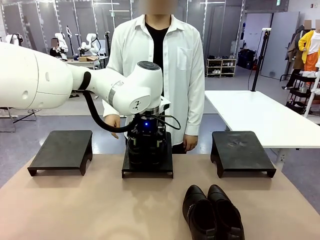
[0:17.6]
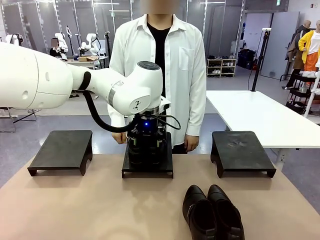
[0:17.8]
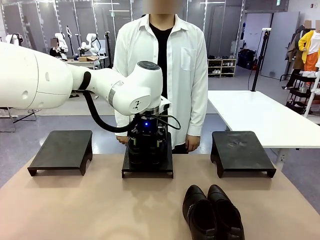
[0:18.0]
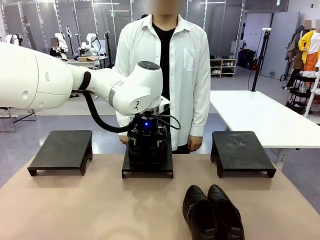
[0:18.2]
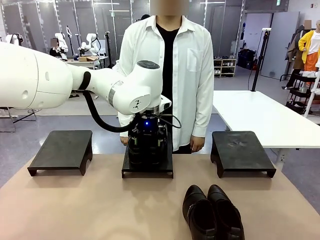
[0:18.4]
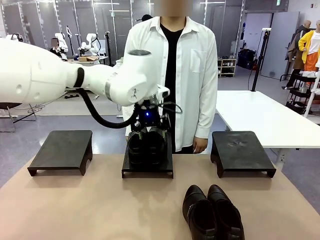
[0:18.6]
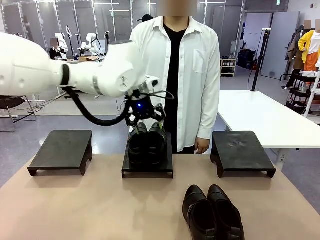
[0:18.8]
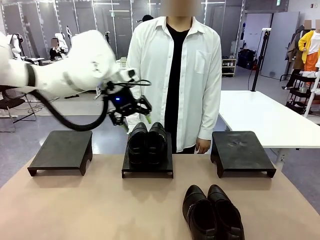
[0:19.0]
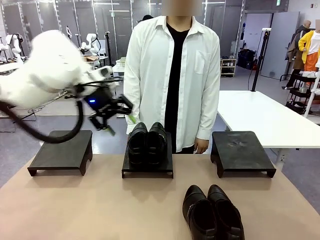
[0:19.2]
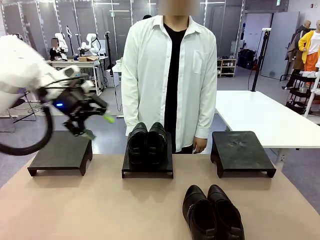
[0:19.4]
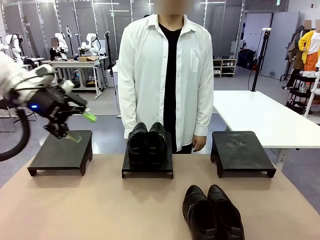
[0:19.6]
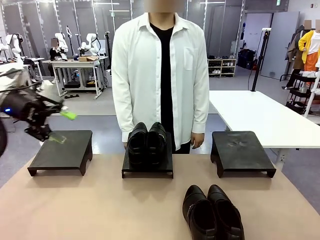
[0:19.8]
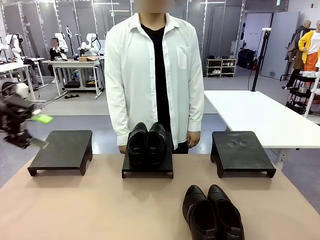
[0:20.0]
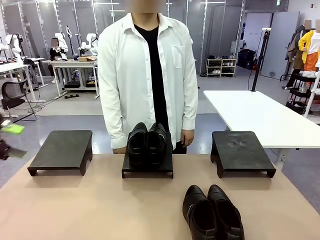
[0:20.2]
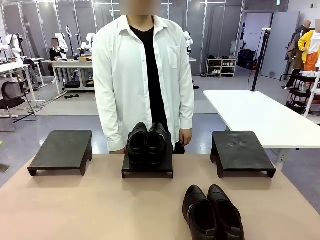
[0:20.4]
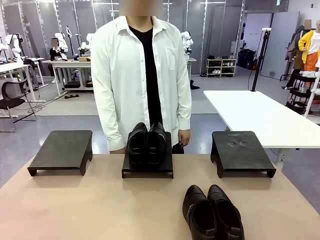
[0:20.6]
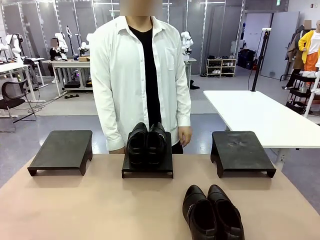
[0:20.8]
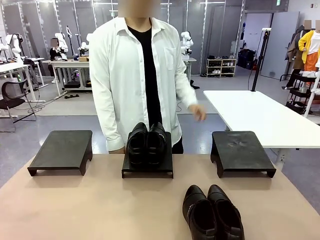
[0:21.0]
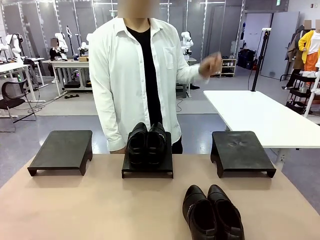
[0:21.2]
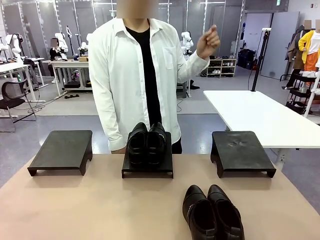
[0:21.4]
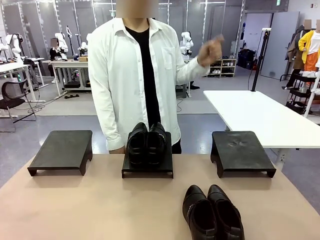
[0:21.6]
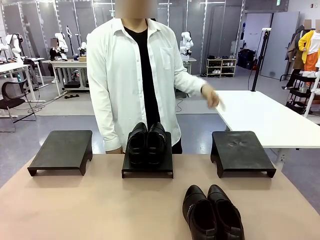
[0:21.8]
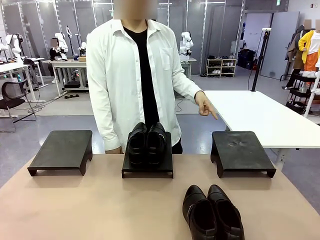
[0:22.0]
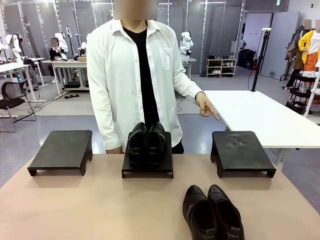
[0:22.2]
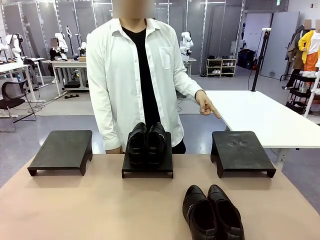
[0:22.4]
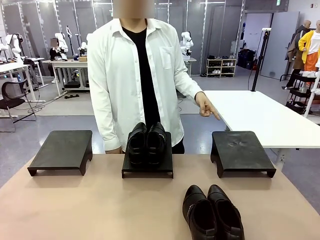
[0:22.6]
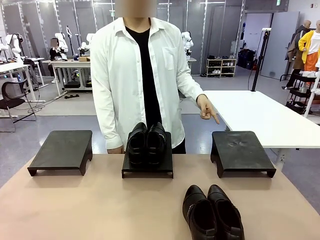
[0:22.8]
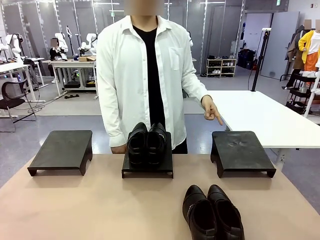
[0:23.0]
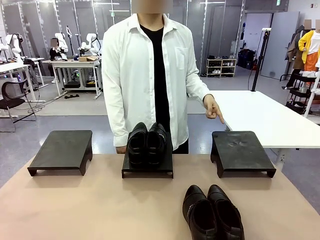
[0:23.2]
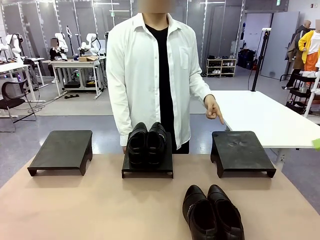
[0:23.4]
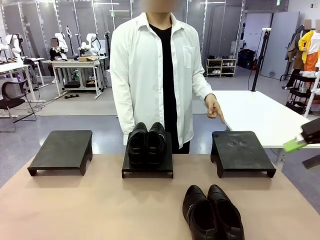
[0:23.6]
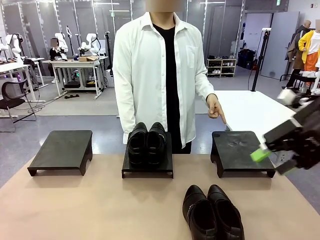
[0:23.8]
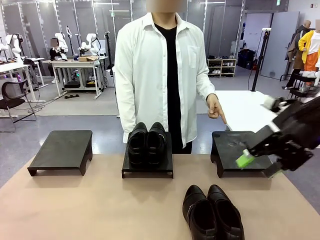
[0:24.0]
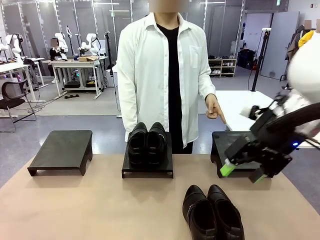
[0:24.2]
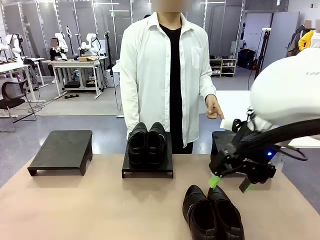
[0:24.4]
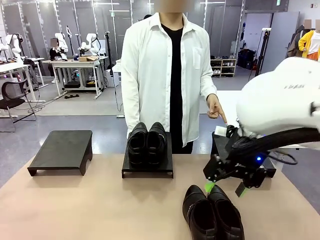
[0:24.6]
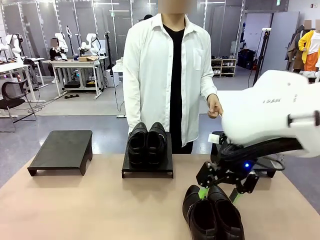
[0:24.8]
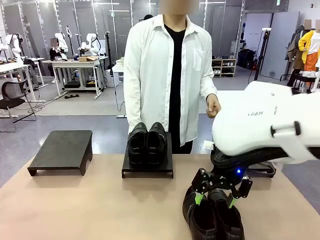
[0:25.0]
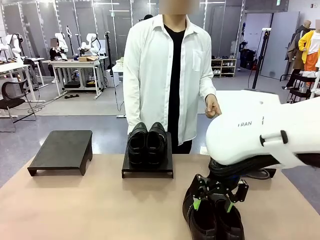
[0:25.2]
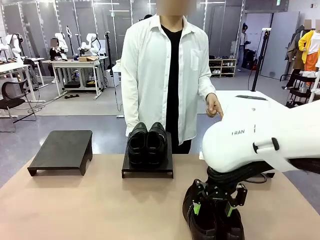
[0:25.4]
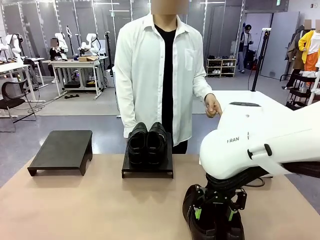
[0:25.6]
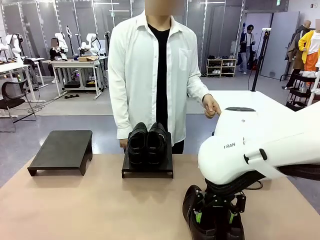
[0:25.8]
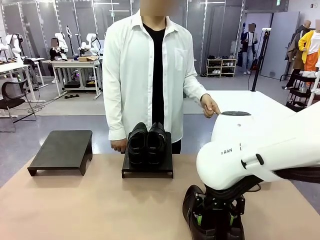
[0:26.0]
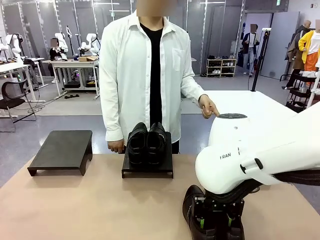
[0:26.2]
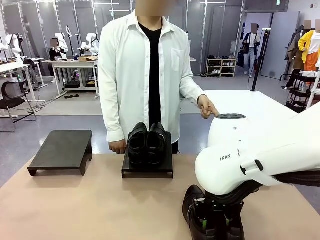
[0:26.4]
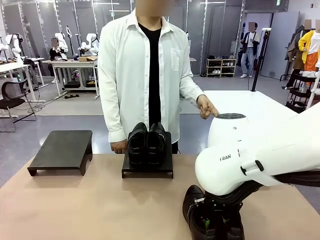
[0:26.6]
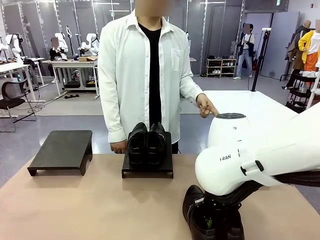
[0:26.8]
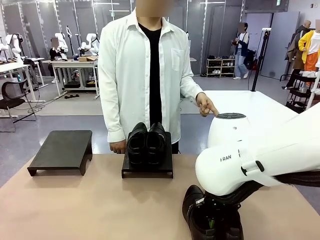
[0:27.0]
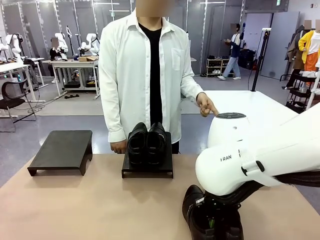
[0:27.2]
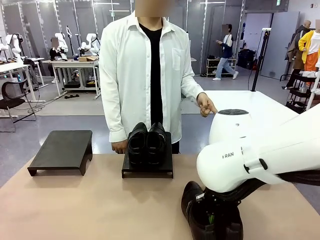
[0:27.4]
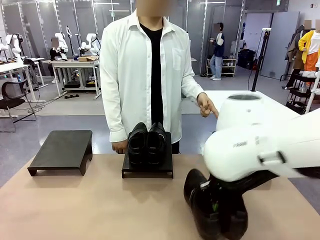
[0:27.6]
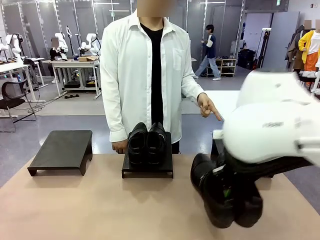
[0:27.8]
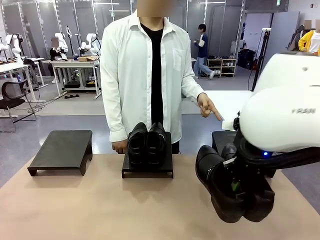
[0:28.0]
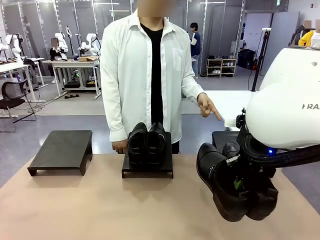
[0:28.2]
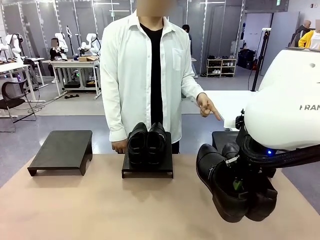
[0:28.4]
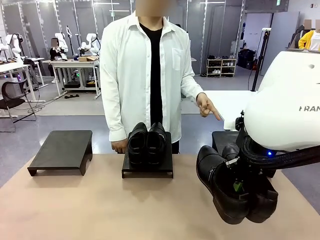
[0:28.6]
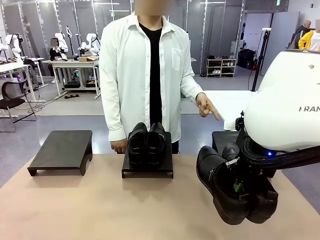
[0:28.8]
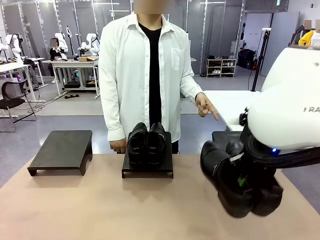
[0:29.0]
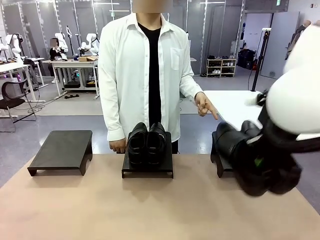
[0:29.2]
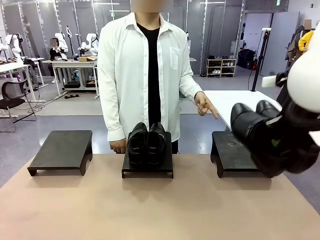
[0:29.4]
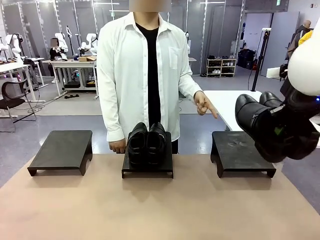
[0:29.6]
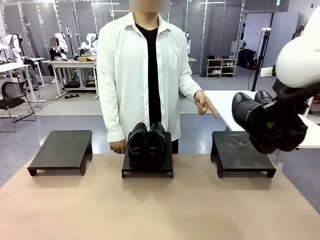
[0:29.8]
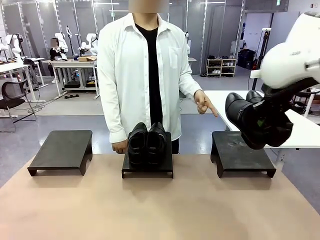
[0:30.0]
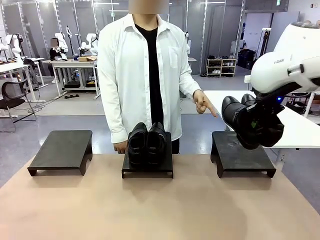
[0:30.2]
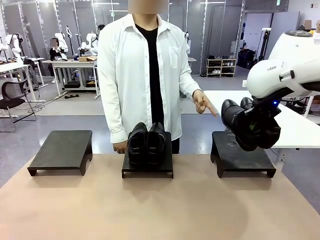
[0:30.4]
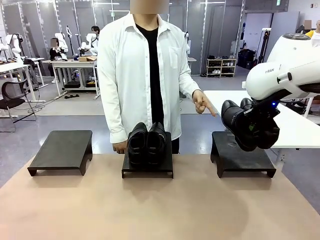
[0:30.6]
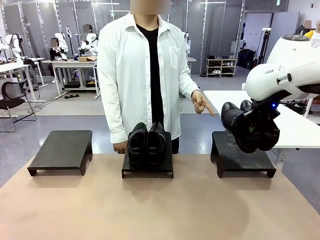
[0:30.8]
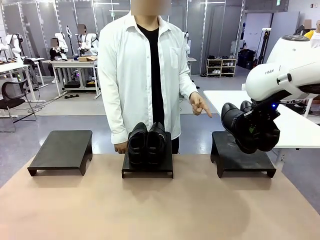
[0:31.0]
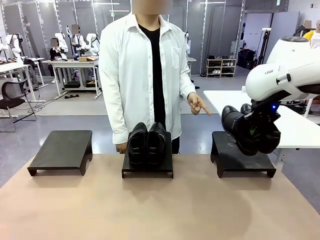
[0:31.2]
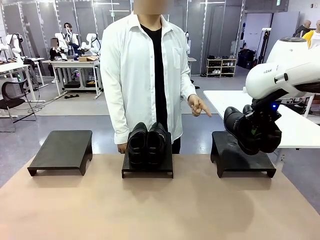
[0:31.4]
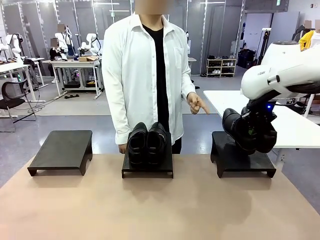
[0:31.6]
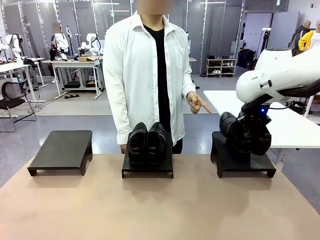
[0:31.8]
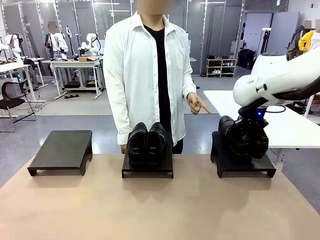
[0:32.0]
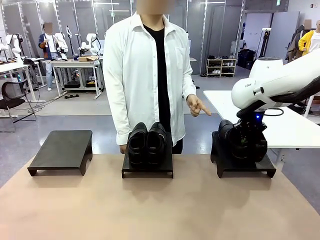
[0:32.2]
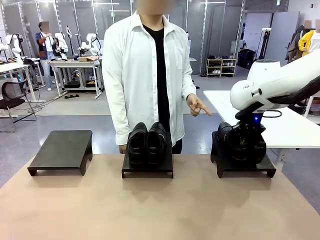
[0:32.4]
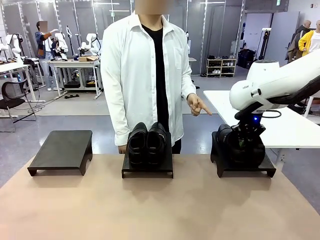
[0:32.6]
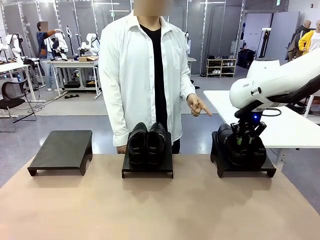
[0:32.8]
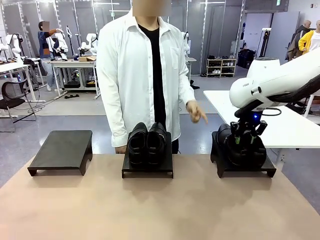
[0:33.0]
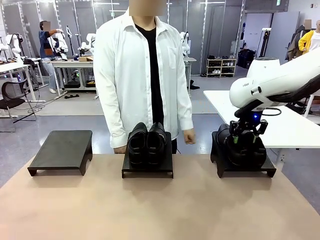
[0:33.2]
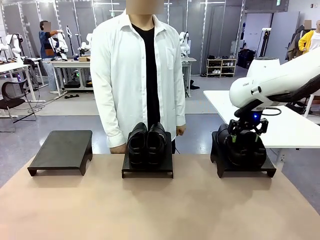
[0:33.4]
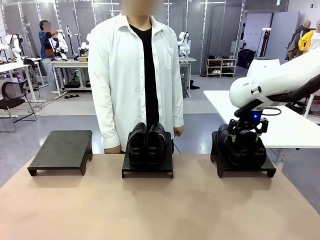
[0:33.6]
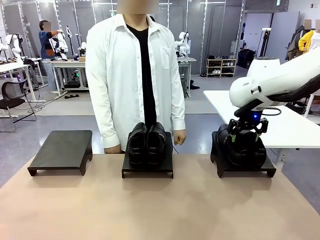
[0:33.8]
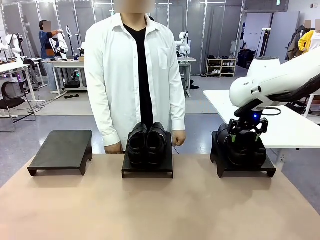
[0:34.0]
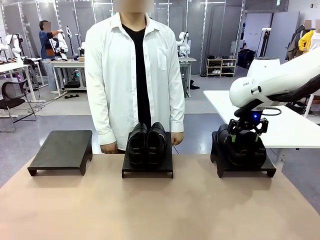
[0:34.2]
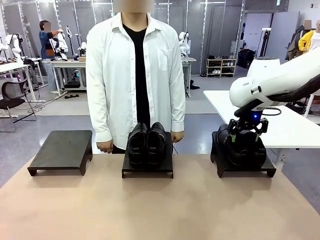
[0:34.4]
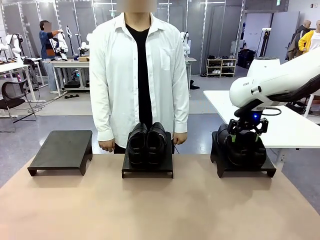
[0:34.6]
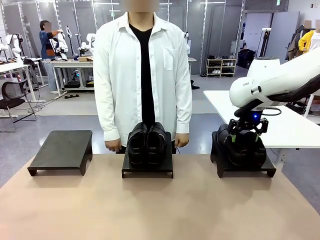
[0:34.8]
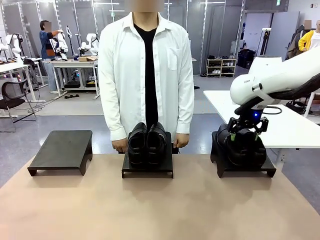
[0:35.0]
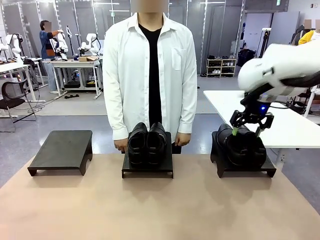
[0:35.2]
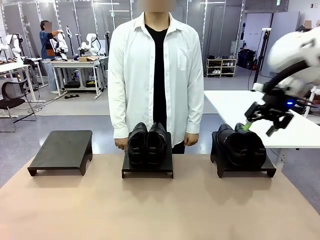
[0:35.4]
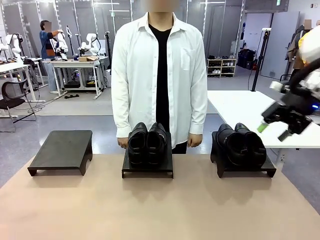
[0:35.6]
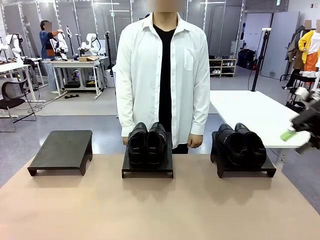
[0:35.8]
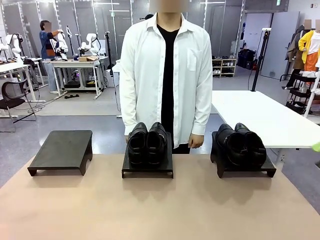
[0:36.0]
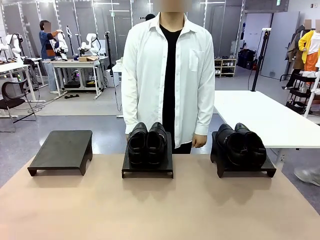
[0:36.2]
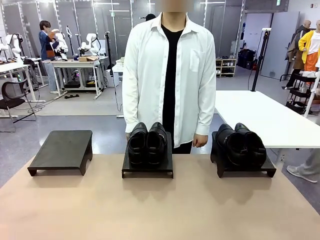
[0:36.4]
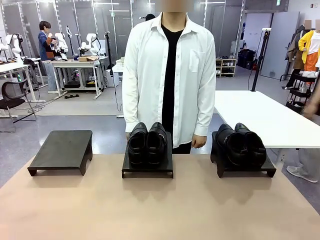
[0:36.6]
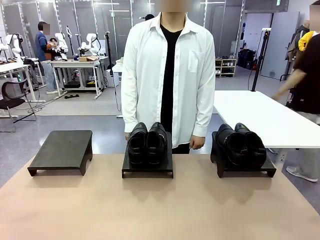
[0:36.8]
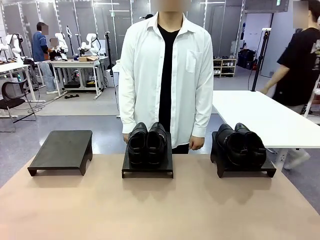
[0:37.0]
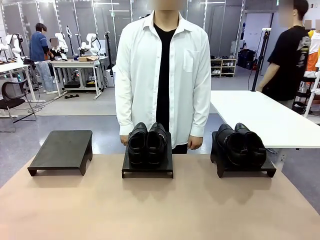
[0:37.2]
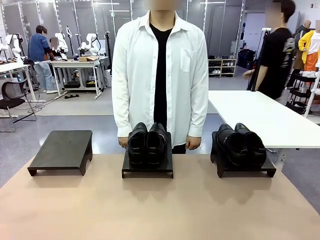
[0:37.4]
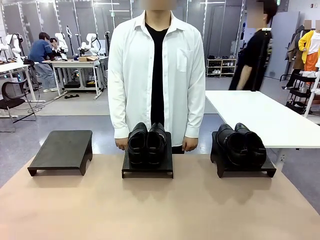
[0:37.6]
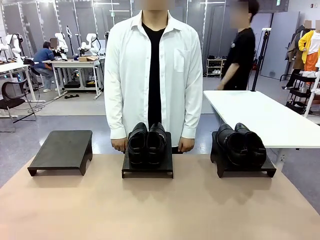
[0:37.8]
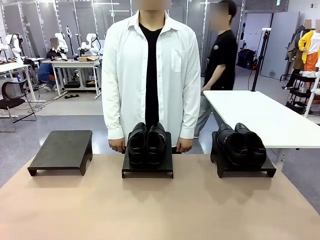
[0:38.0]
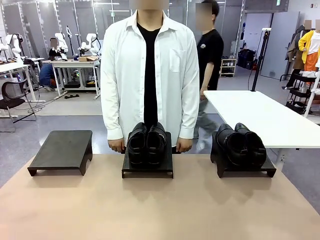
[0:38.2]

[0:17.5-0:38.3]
Task: Place the shoes on the stand as instructed by the person.
Robot: Pick up another pair of Shoes and place it on the Shoes Stand indicated by the person.
Person: Point to one Shoes Stand.
